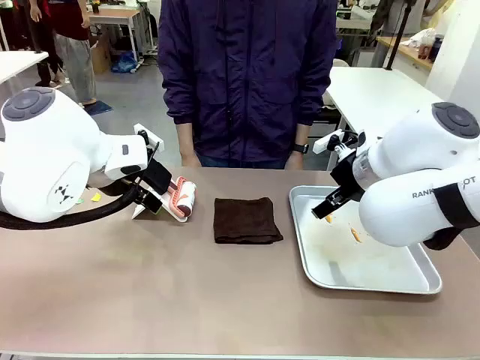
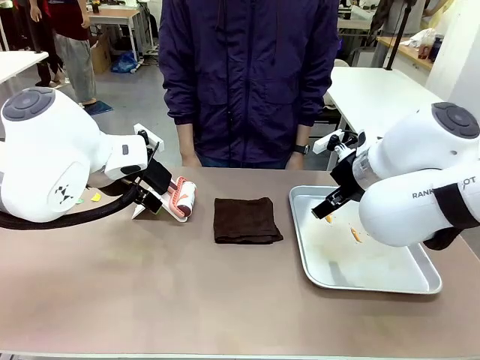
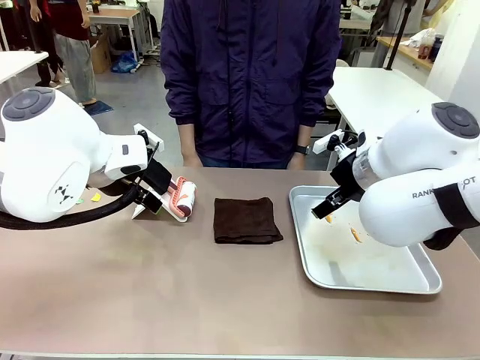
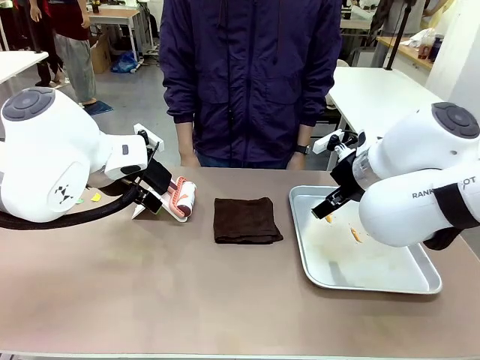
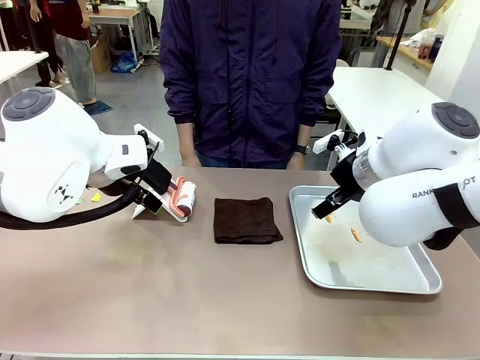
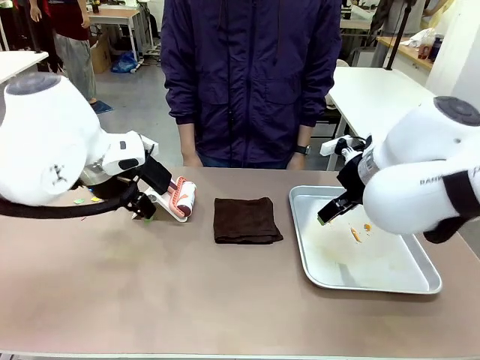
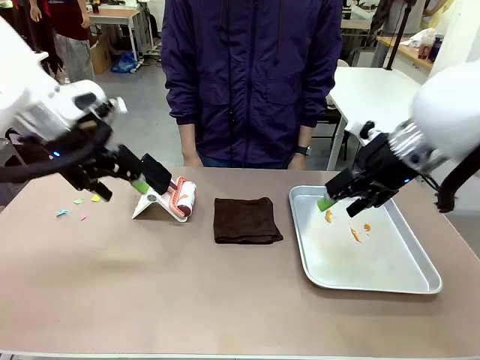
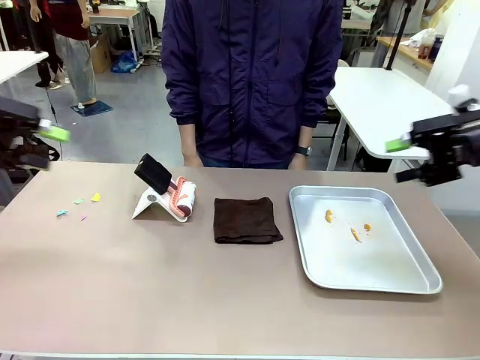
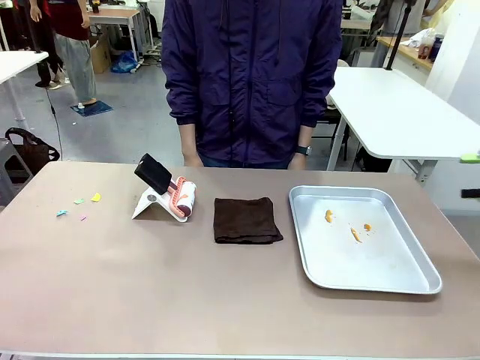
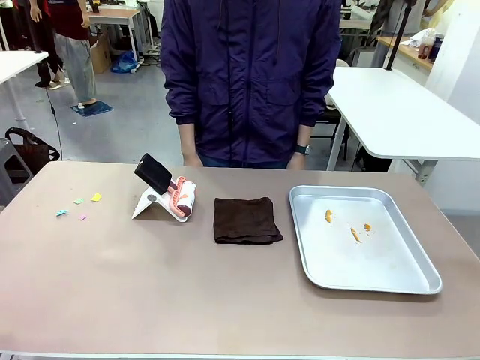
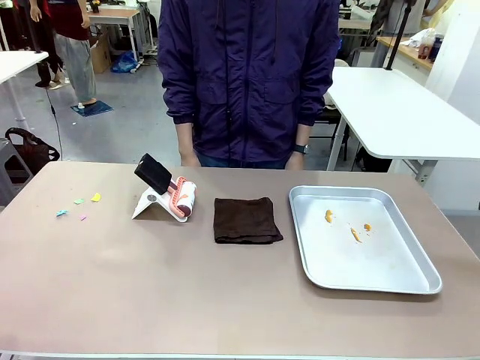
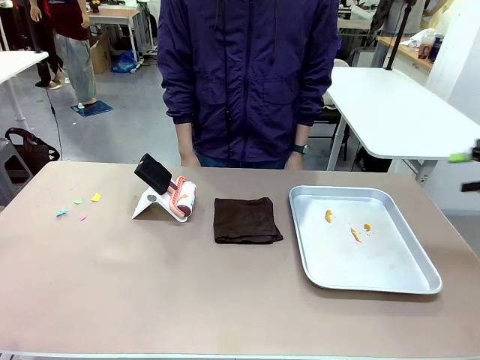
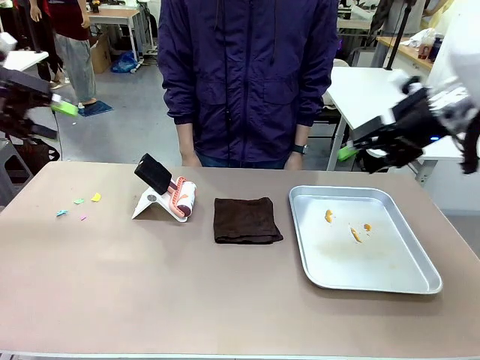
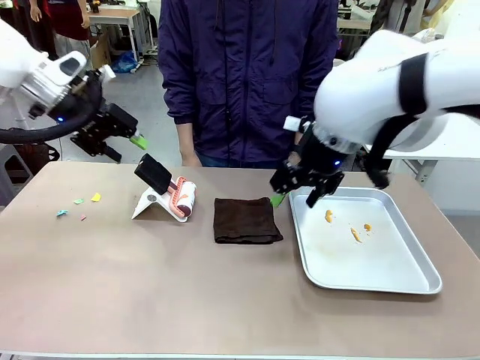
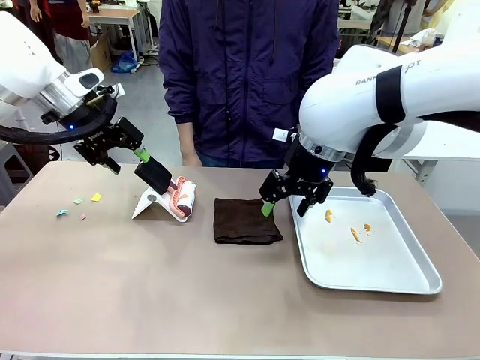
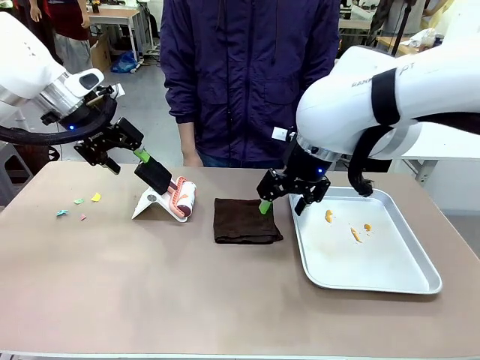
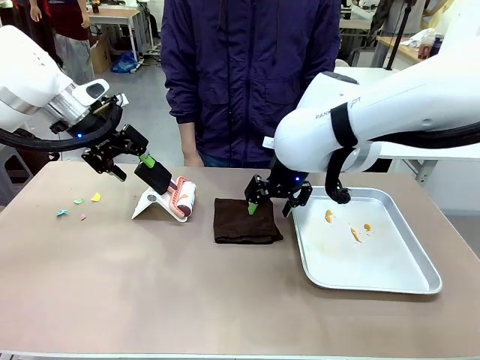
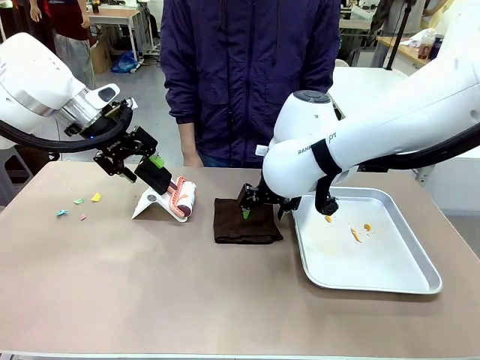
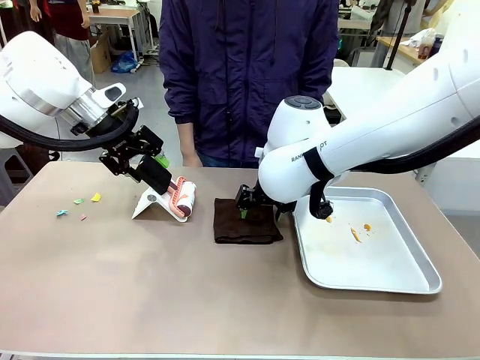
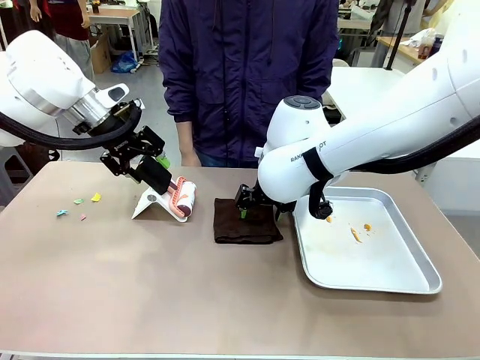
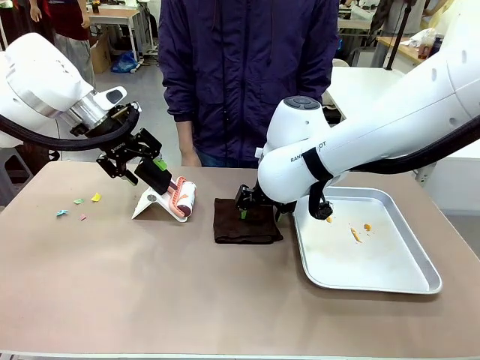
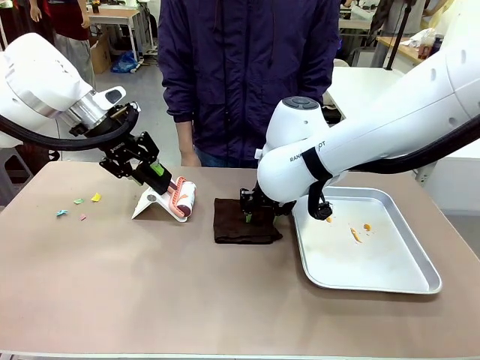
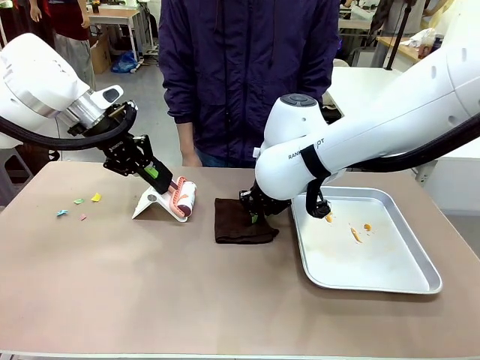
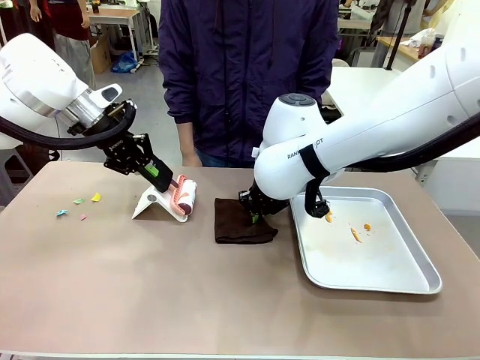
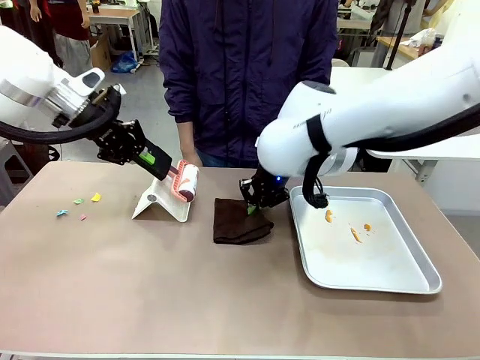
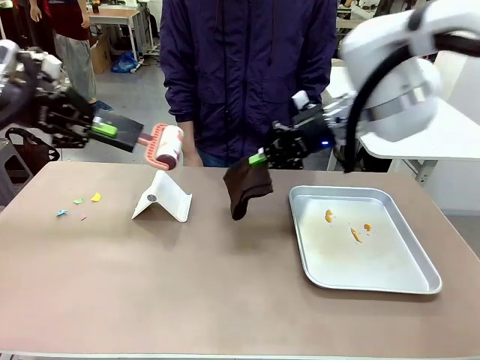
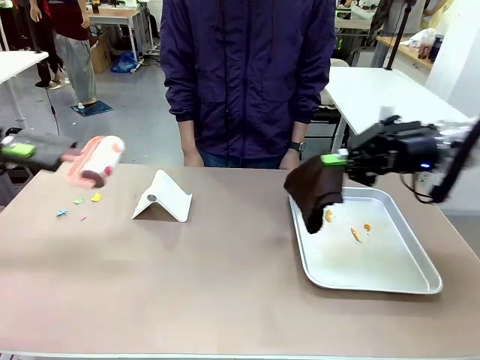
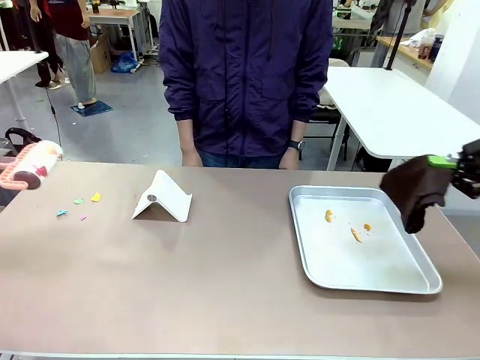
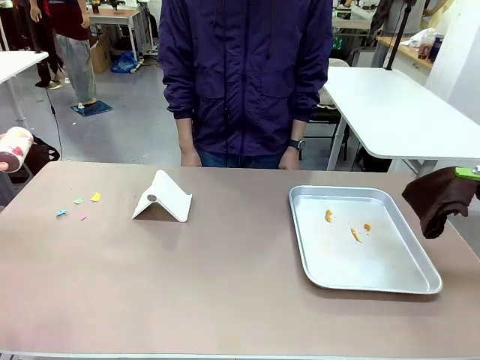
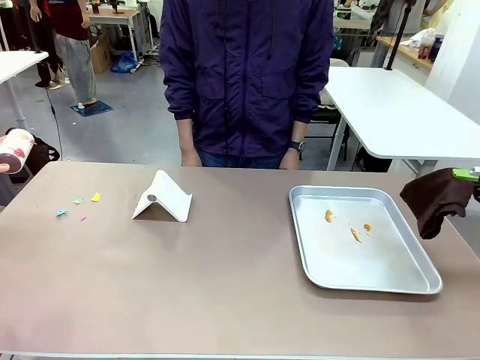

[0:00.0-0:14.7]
Task: Clean the surface of the table.
Robot: Hold the Lint Roller with your left hand and the towel with your right hand.

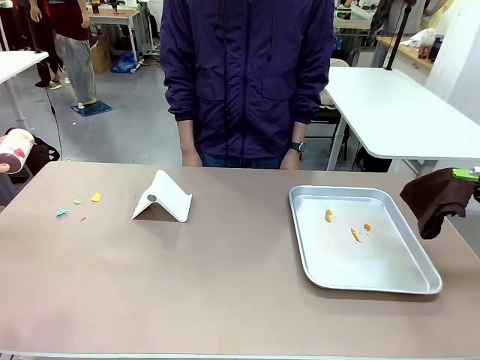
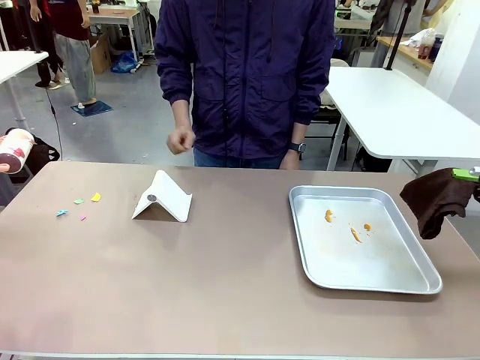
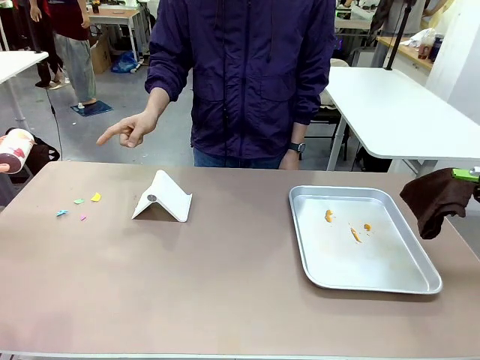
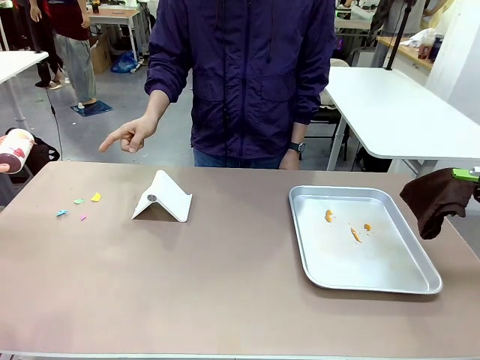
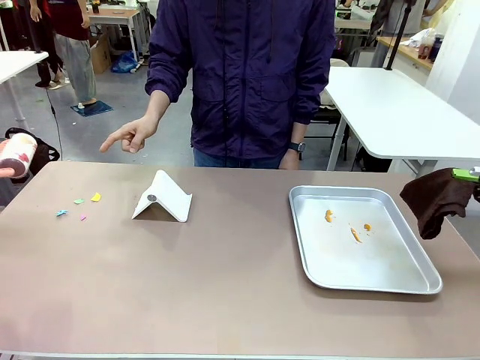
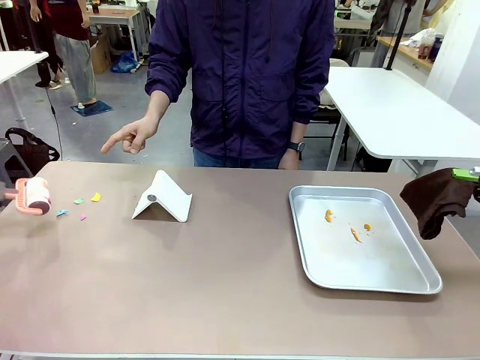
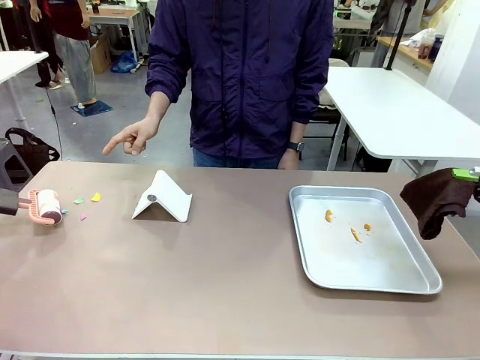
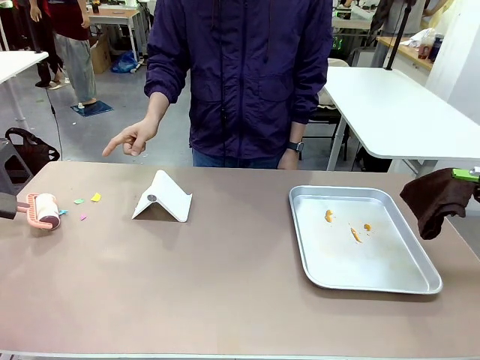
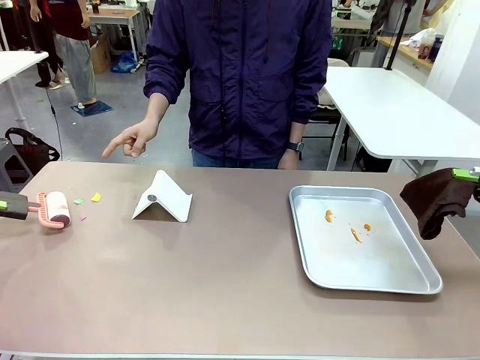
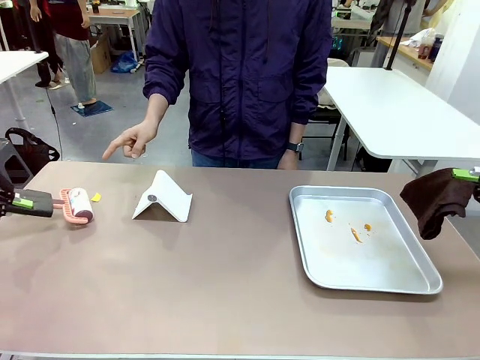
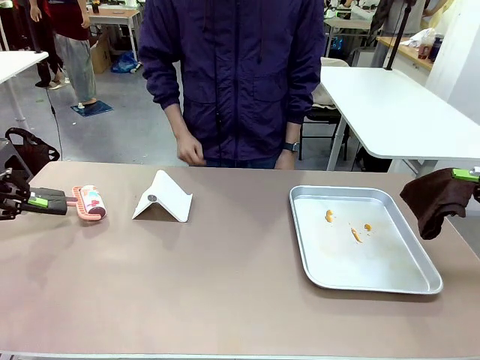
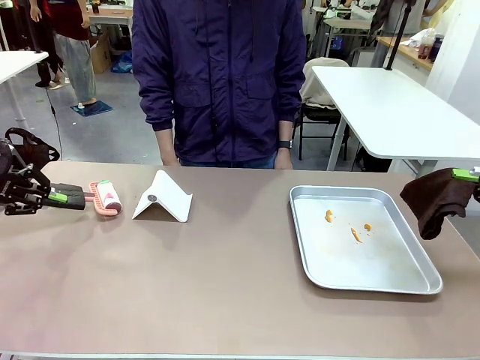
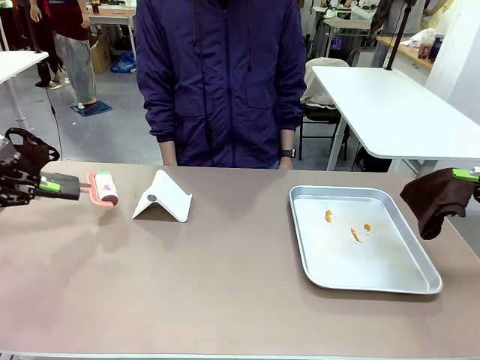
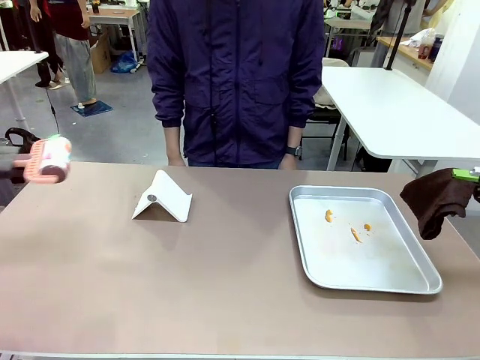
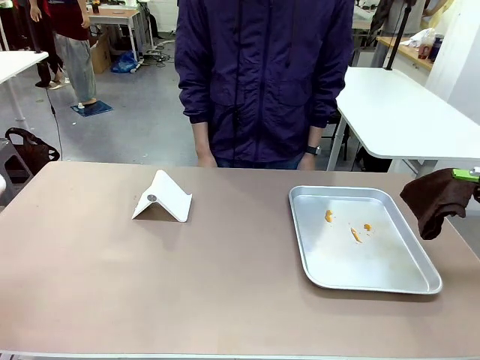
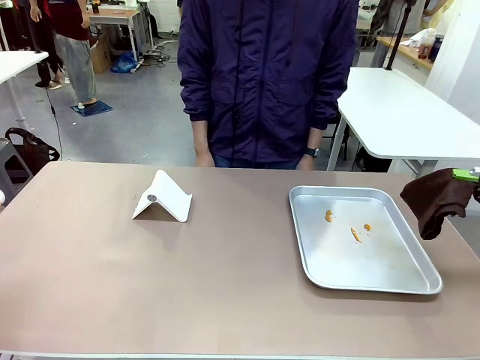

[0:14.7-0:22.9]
Robot: If a person points to the right, clean the right side of the table with your right hand, and if they point to the left, clean the left side with your left hand.

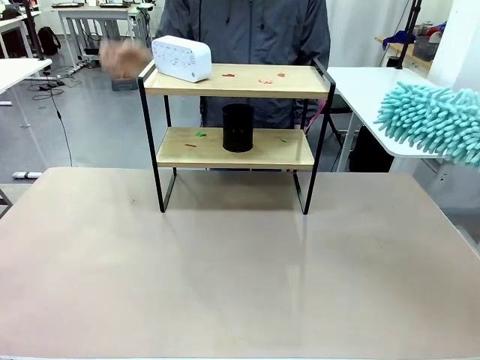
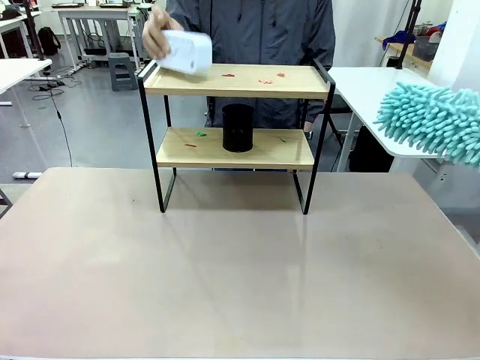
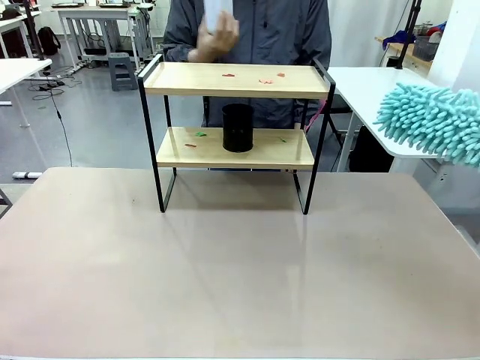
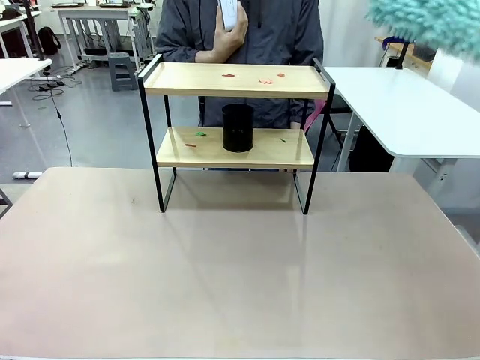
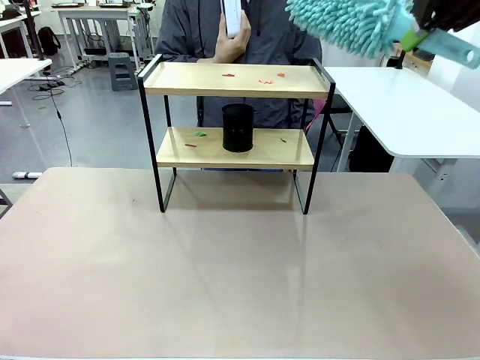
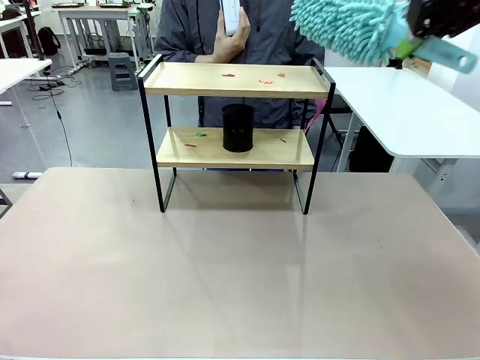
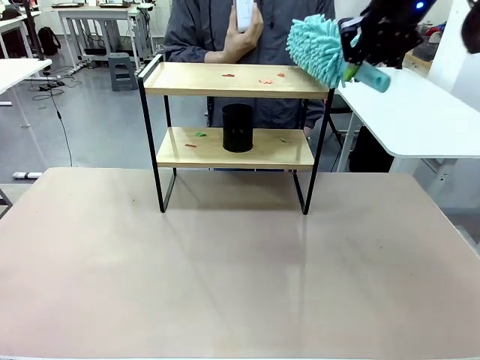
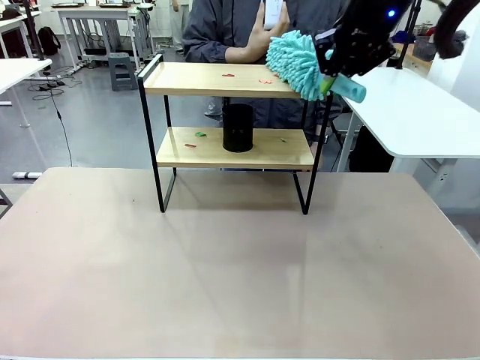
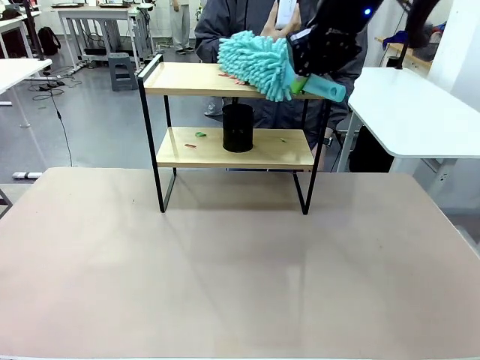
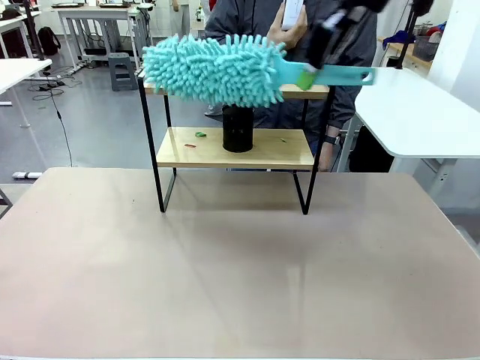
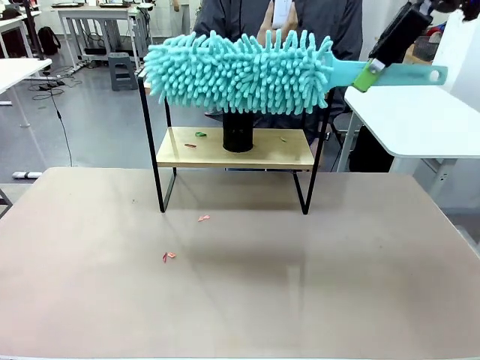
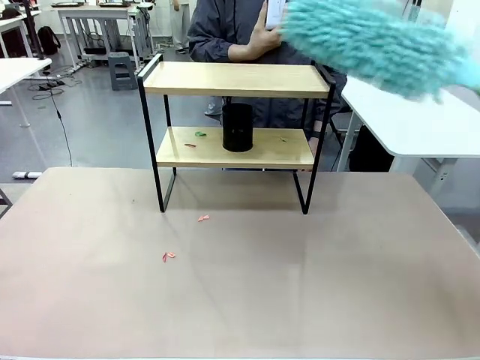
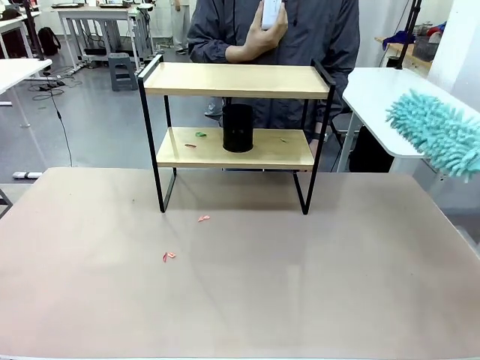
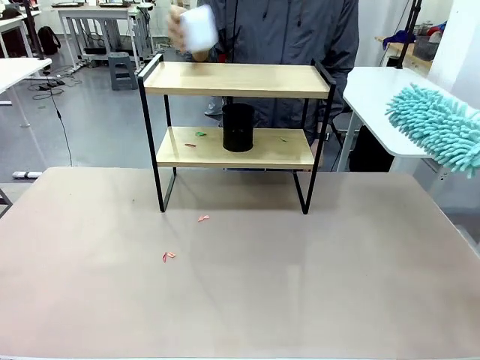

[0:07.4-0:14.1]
Task: Clean the shelf.
Robot: Clean the specific tier of the Shelf with the Duster once objects are removed.
Person: Lift the objects on a randomly selected tier of the Shelf. Once the robot finishes cleaning, lift the objects on the remaining tiers of the Shelf.
